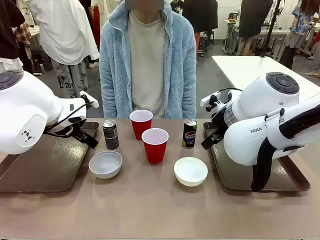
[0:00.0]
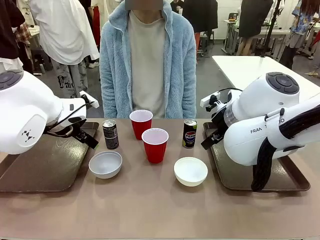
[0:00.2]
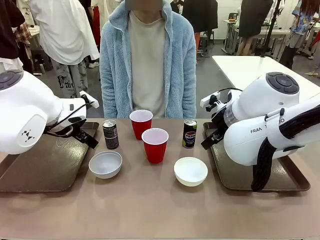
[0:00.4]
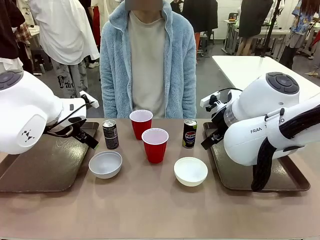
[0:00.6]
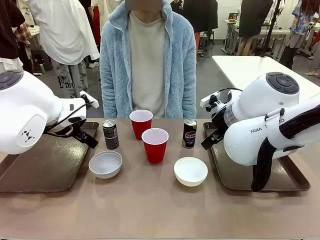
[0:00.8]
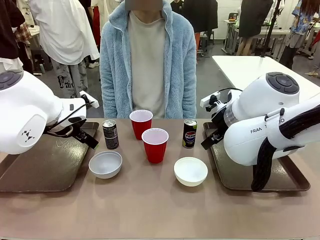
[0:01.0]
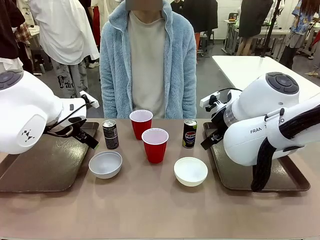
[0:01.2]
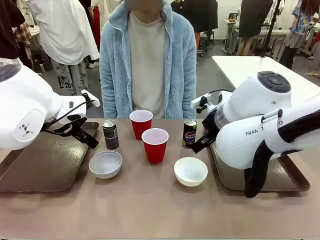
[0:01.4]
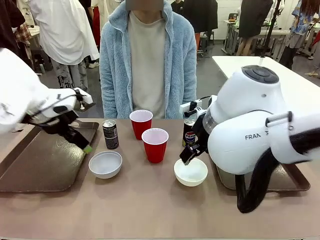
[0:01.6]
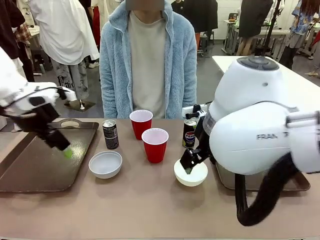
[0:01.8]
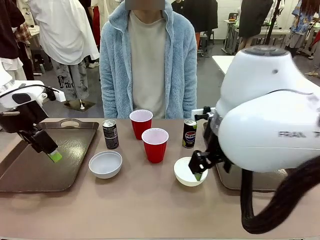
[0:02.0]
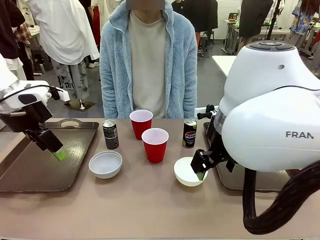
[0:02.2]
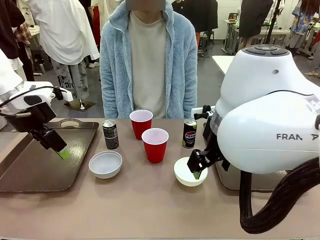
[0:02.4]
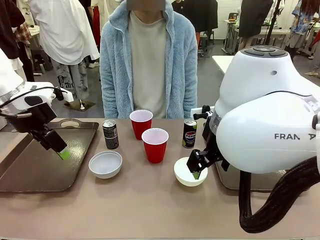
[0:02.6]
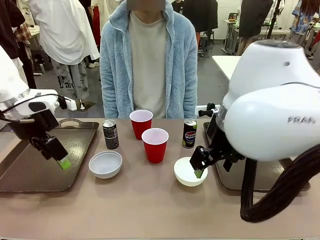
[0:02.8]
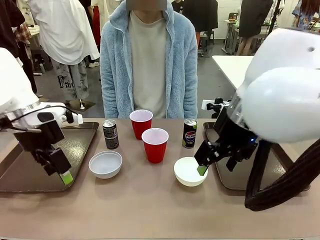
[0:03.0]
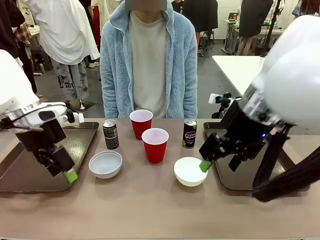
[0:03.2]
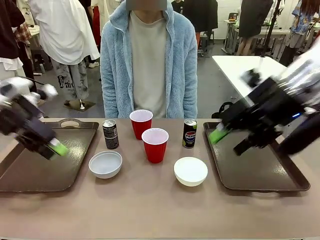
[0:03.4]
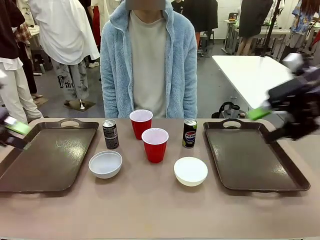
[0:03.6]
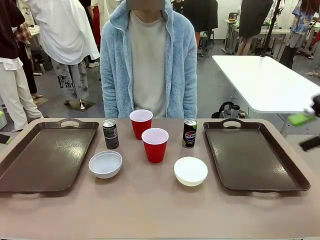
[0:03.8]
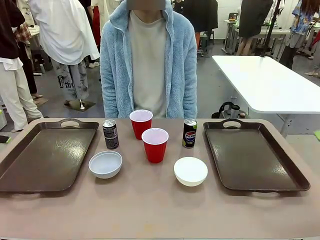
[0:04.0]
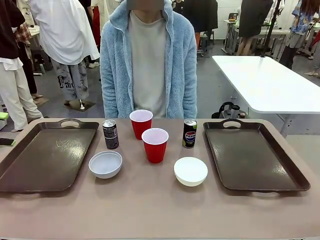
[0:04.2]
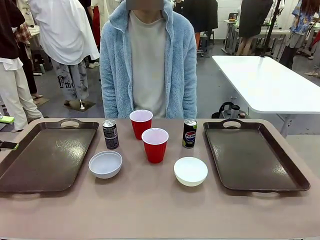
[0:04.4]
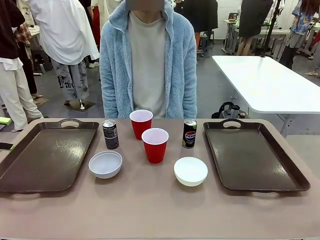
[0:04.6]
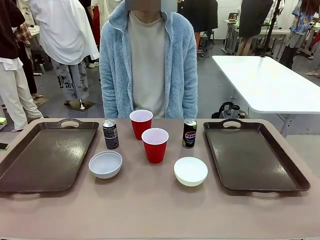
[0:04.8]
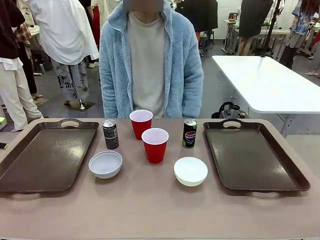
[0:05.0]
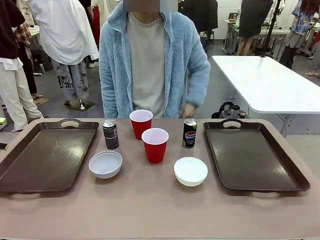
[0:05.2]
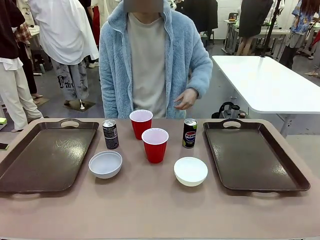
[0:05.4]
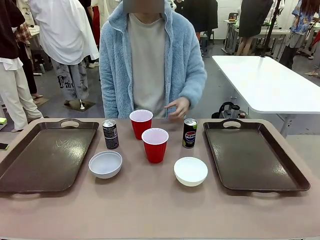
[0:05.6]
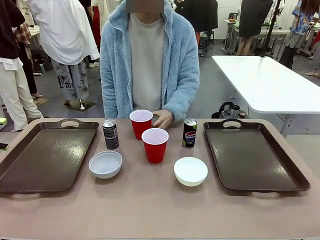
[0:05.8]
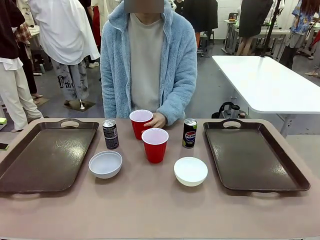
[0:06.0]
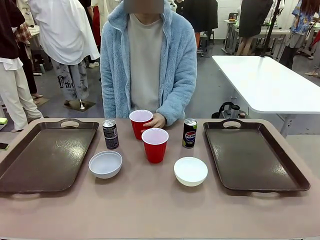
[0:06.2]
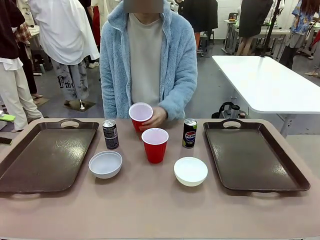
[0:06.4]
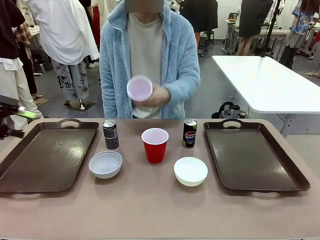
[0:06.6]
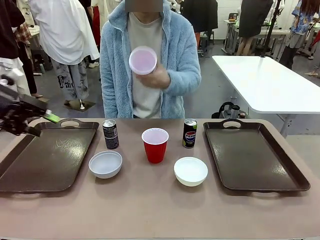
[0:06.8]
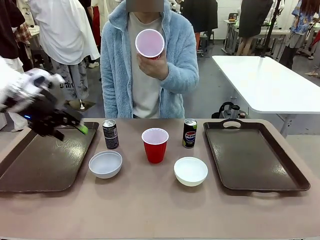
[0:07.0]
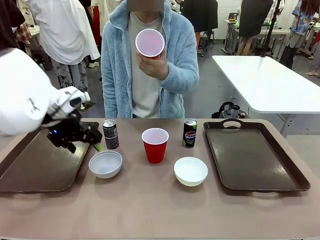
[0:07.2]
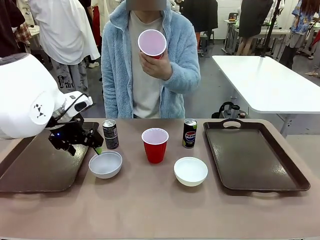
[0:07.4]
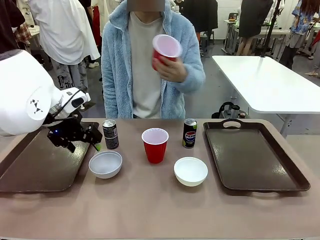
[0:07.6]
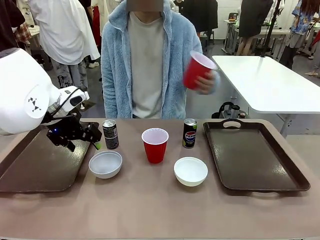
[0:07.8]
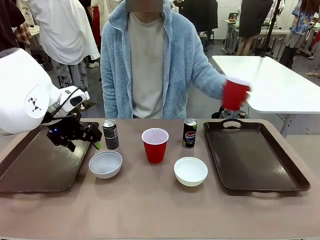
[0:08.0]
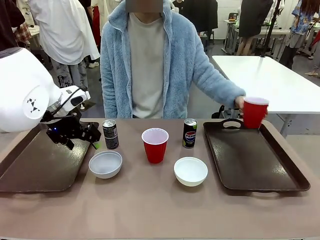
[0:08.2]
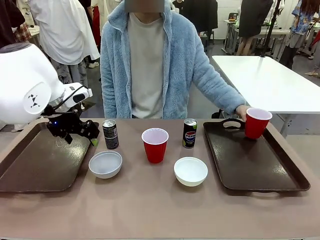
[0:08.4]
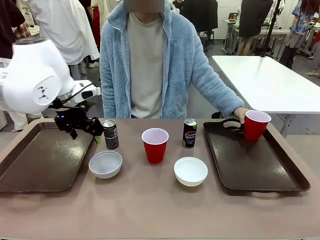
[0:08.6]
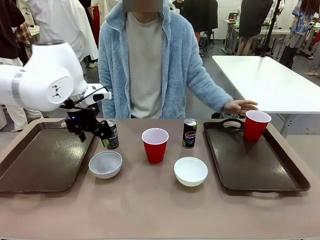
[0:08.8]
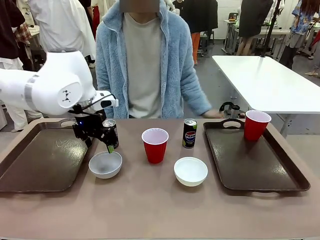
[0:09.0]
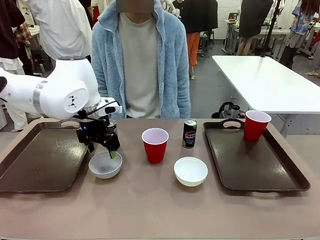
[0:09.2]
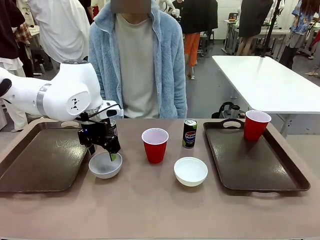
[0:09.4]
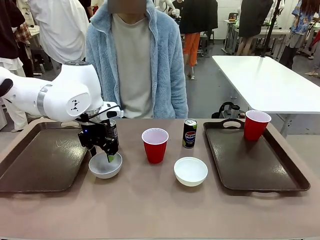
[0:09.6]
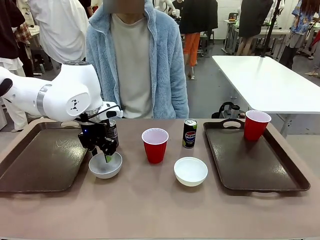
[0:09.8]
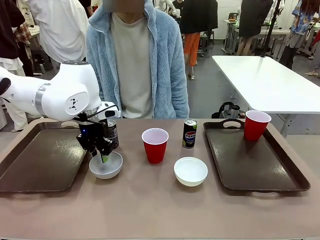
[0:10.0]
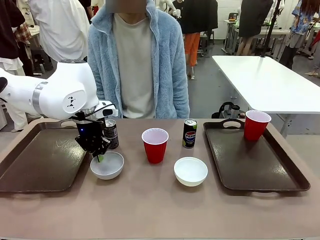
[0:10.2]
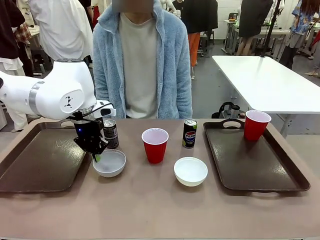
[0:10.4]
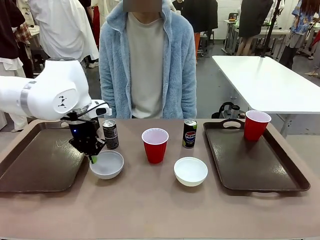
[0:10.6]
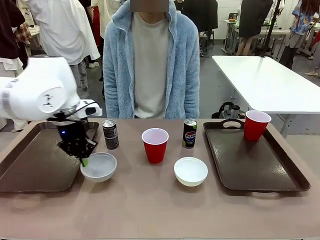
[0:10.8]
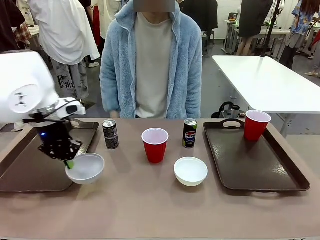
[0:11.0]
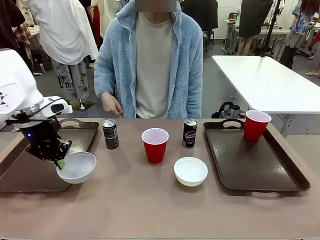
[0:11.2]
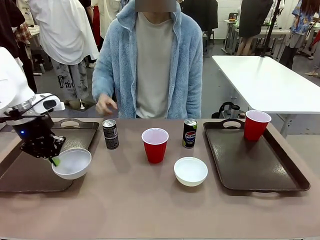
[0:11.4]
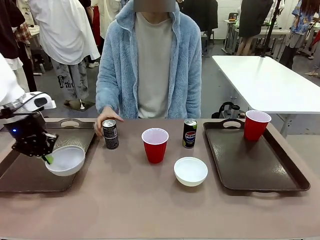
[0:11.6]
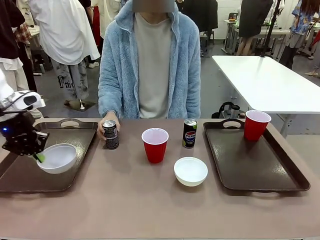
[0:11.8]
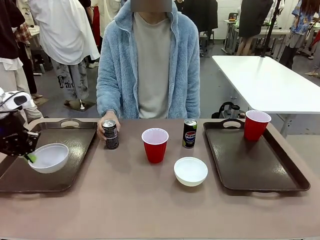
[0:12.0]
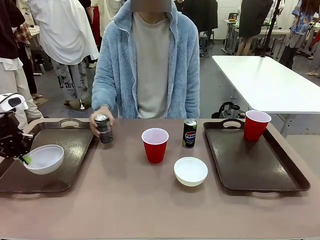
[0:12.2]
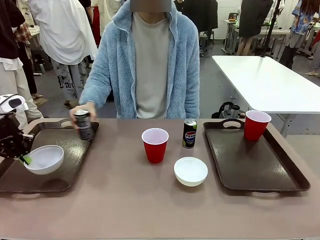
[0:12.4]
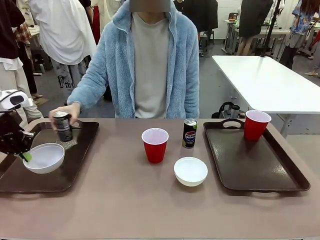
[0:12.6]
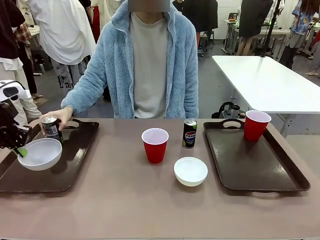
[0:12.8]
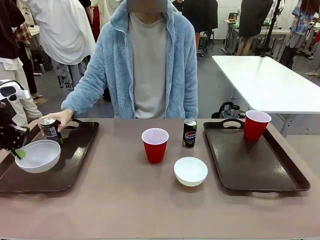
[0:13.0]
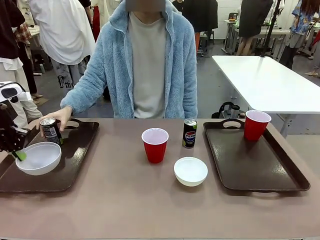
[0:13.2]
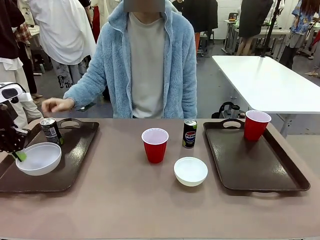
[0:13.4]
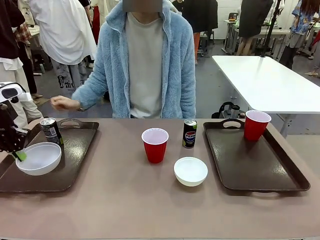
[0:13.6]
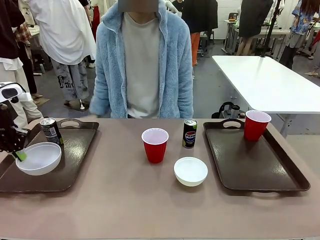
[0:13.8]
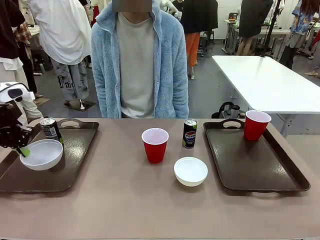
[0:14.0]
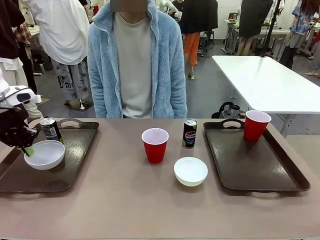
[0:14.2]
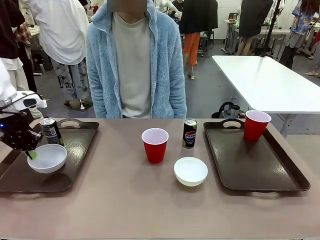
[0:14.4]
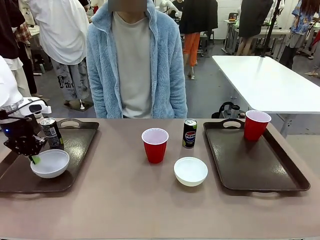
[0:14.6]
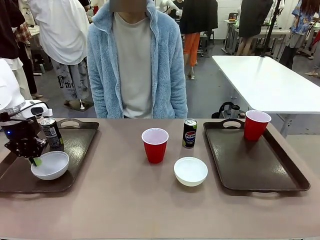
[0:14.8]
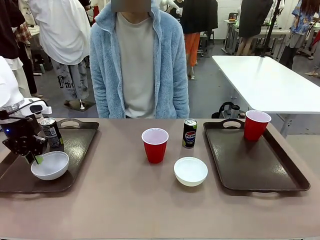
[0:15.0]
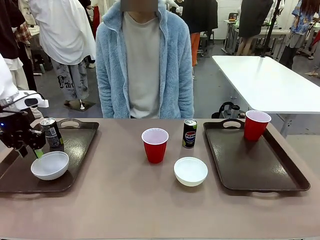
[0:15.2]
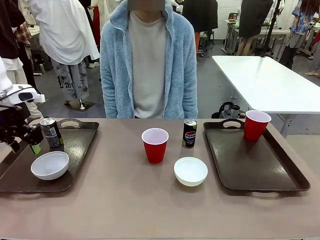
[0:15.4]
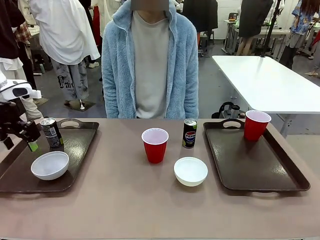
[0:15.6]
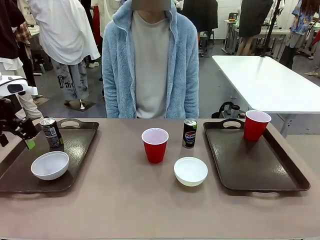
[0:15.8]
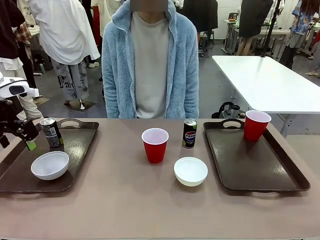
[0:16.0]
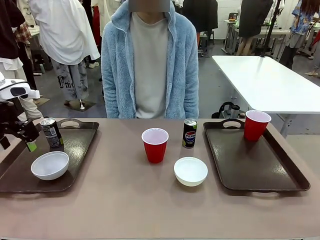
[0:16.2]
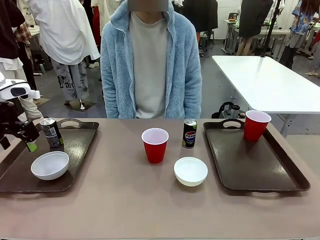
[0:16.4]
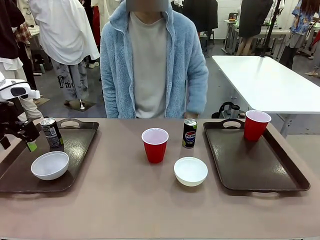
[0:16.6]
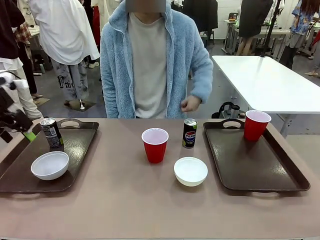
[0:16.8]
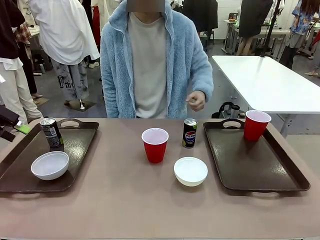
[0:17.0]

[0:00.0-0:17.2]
Task: Prepare tableware on both trays.
Robot: Pick up a Picnic Bowl from the table and place it on a Handle tray.
Person: Pick up a can or cup and place it on the tray.
